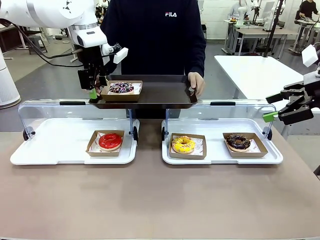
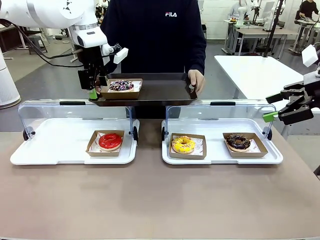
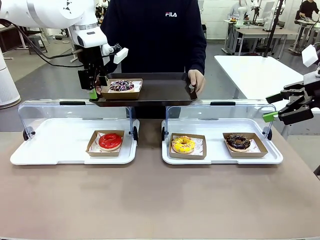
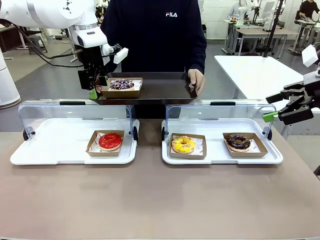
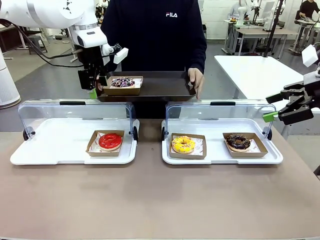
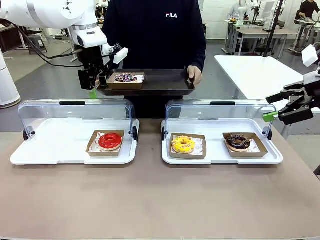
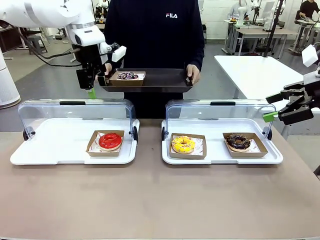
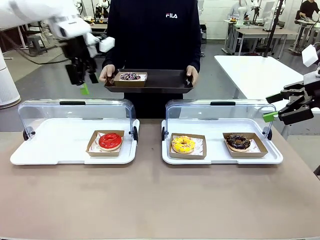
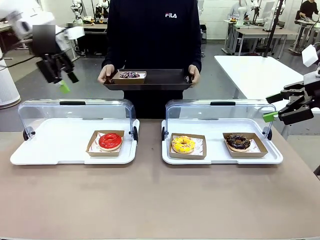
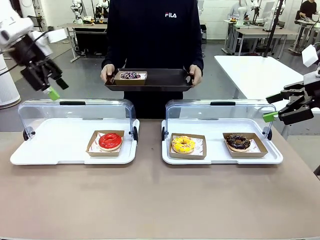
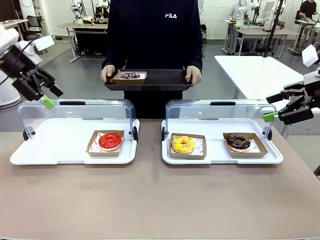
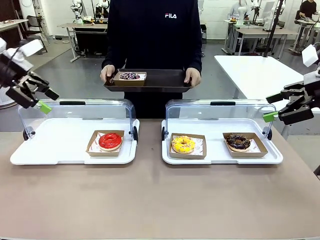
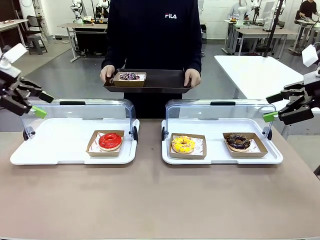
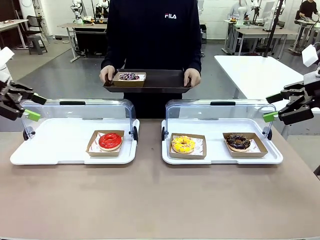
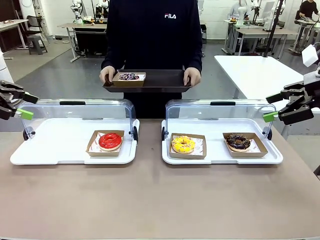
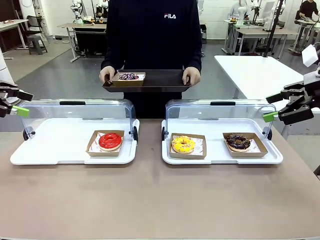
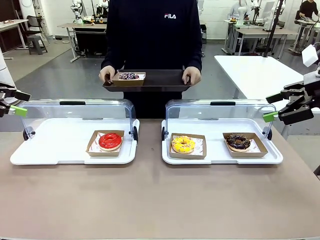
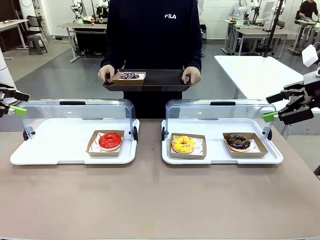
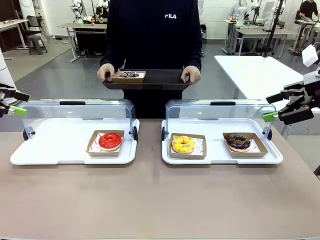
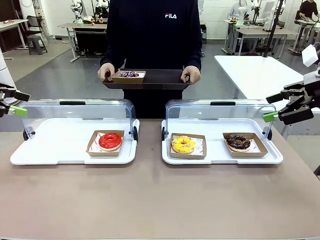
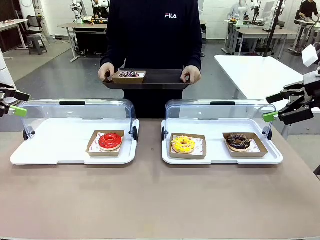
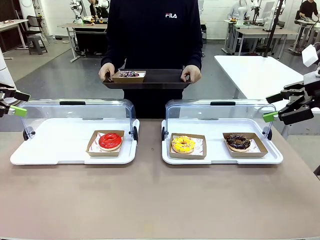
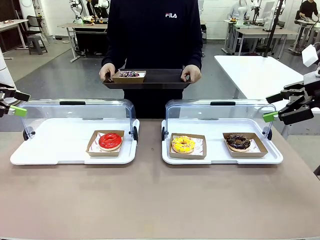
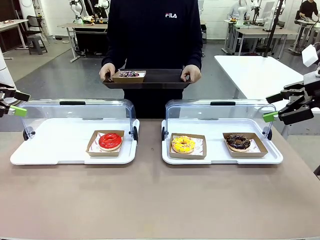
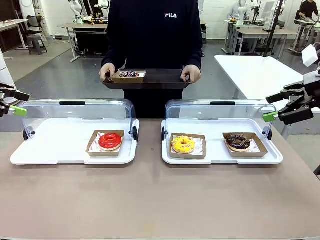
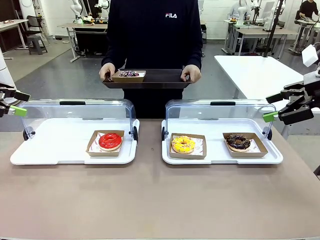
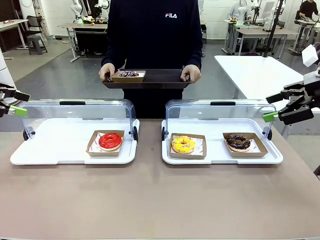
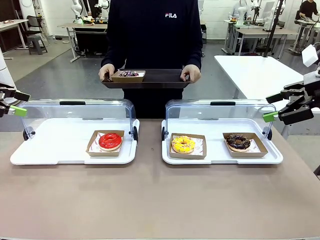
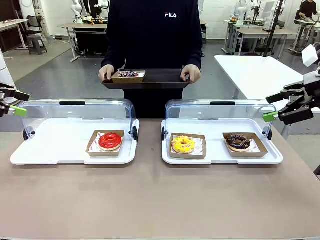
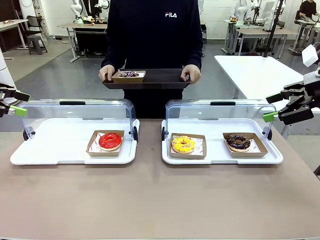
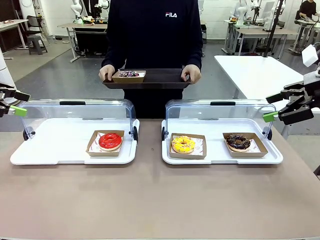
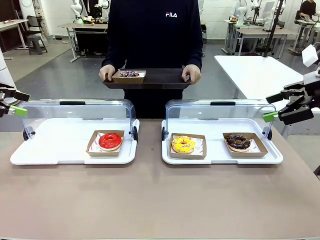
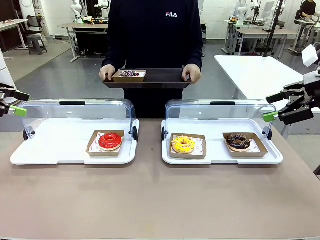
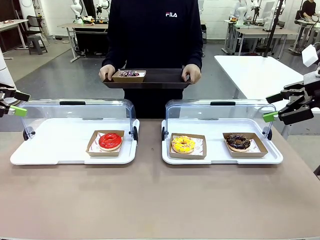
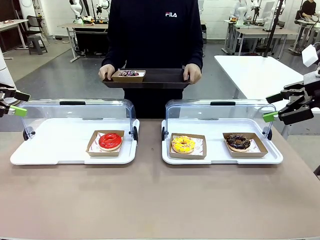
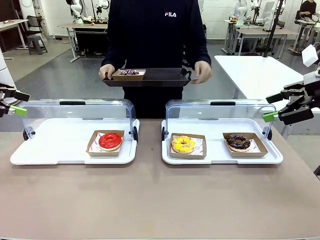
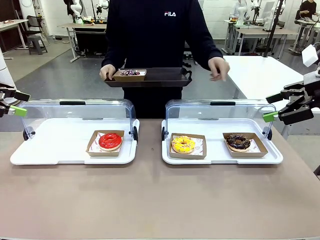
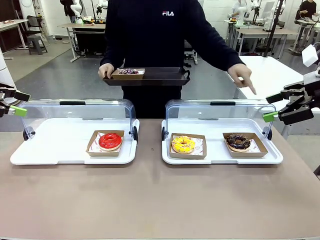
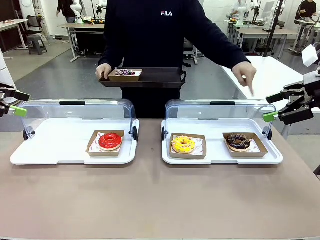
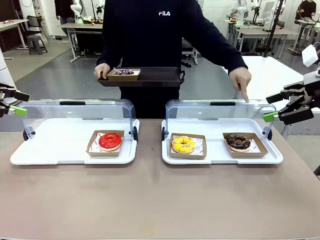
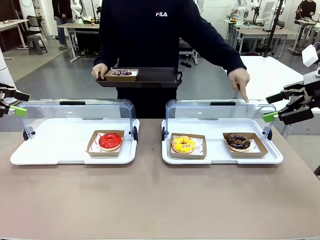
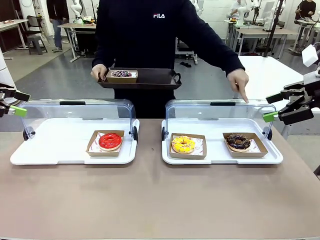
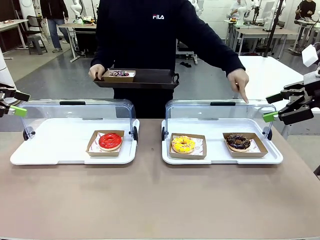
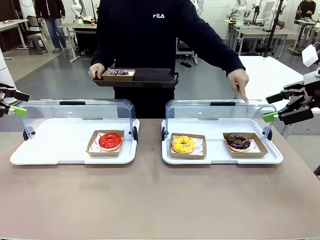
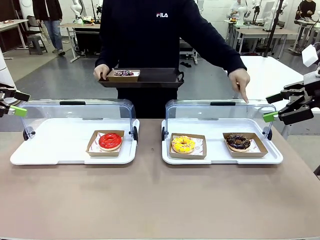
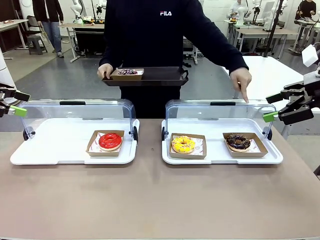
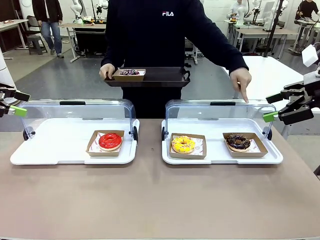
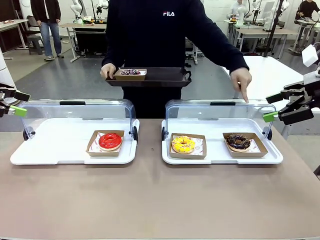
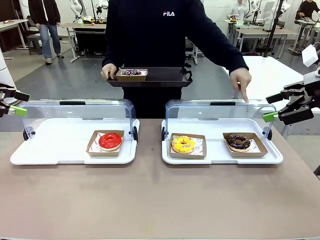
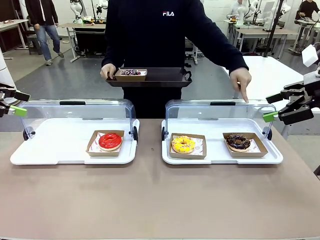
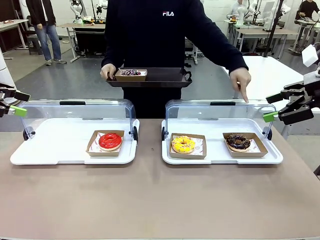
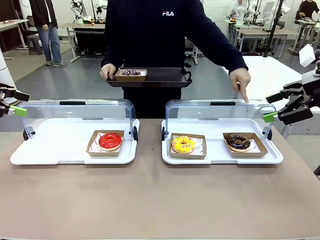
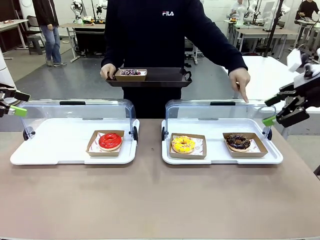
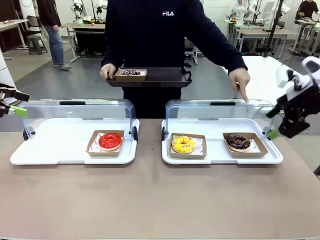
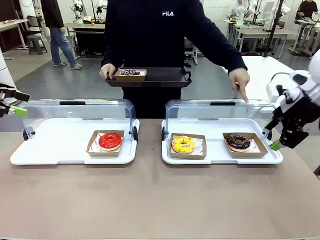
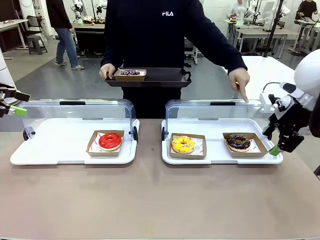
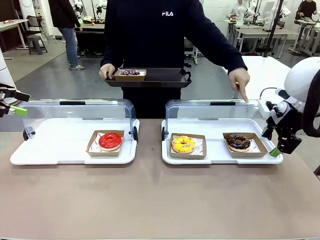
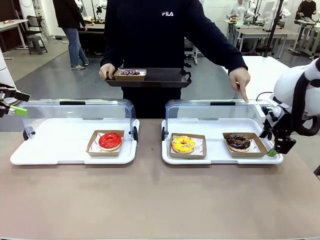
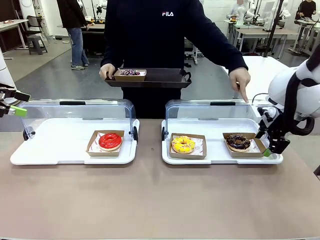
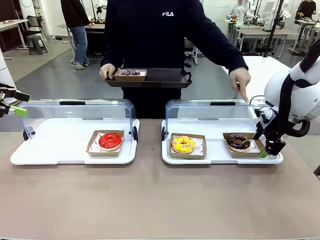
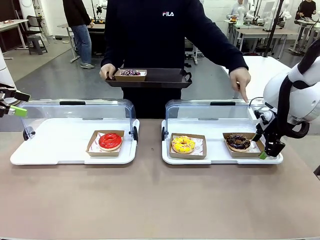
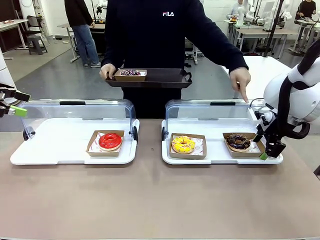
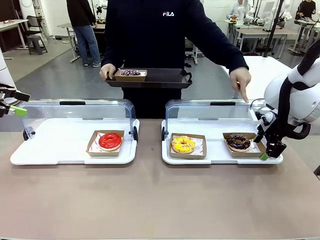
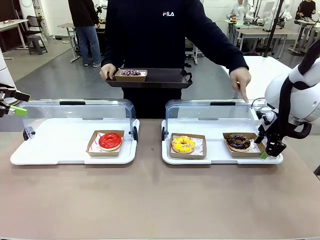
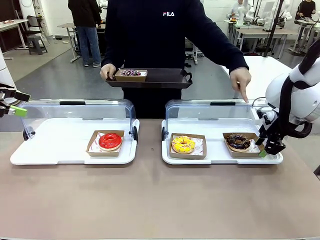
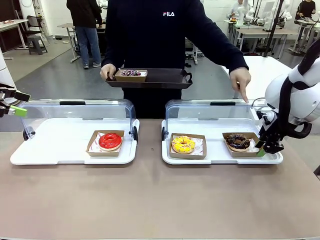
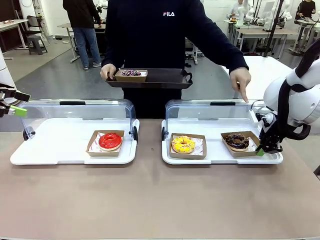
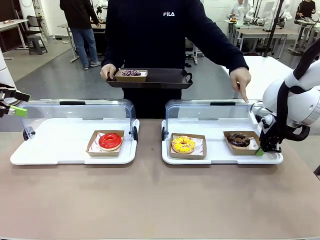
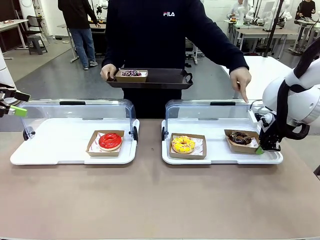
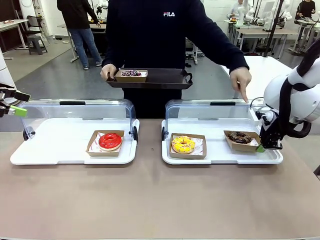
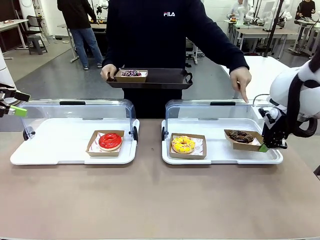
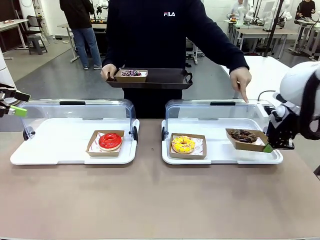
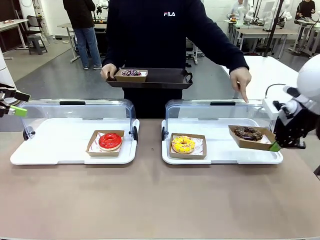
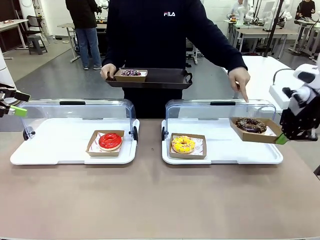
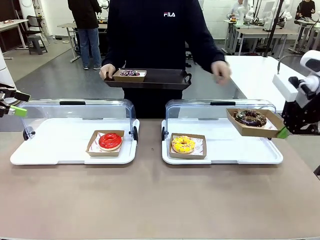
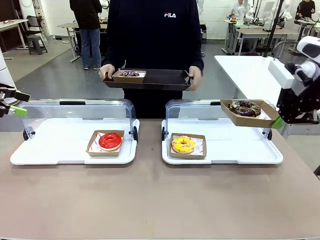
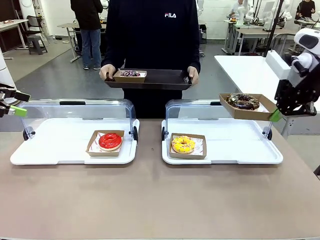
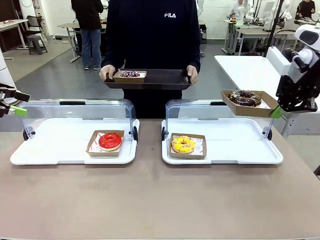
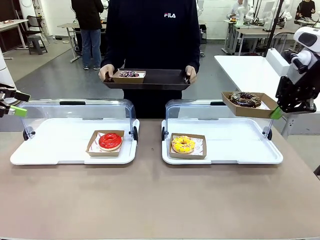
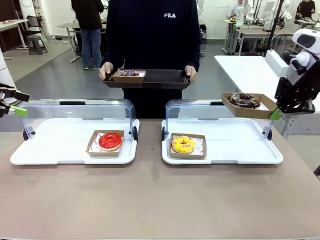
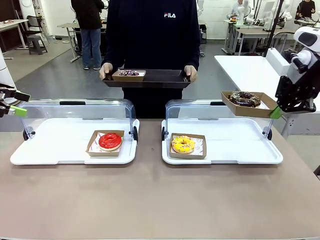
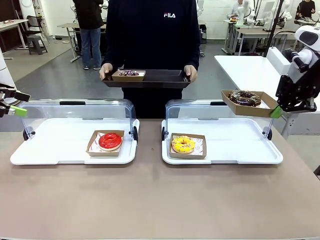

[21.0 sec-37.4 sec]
Task: Provide the desired donut to the person.
Robot: Pick up and lift the Paper togo box containing the Donut pointed at by the person.
Person: Point to one donut. Lift the tray onto the Roll-Top Bakery Case.
